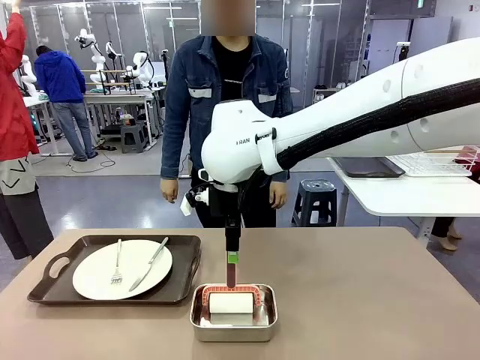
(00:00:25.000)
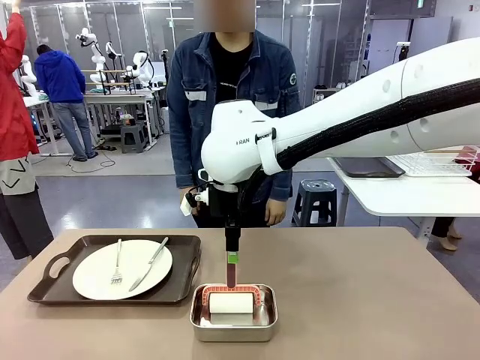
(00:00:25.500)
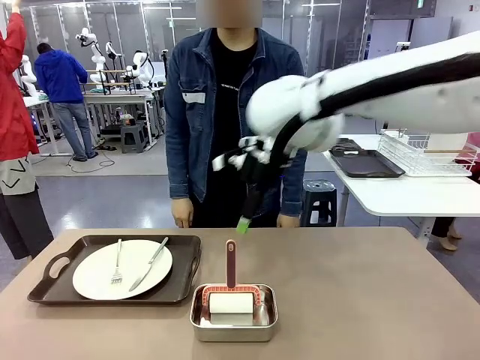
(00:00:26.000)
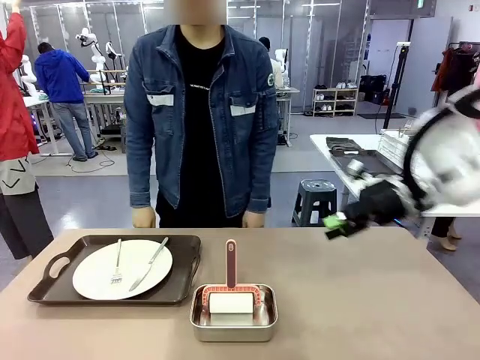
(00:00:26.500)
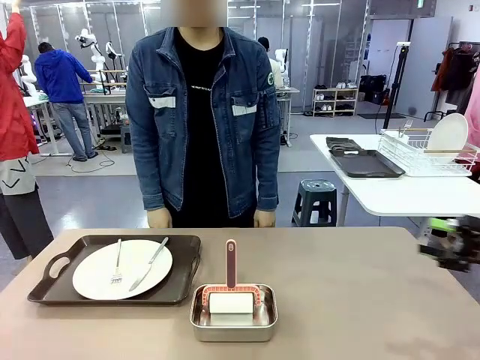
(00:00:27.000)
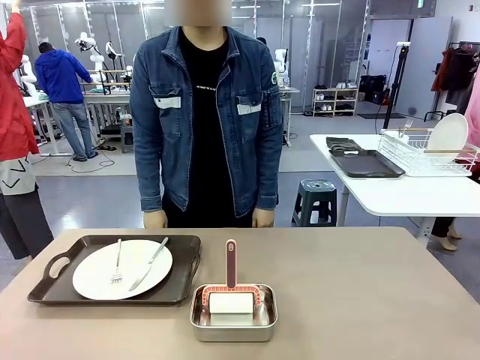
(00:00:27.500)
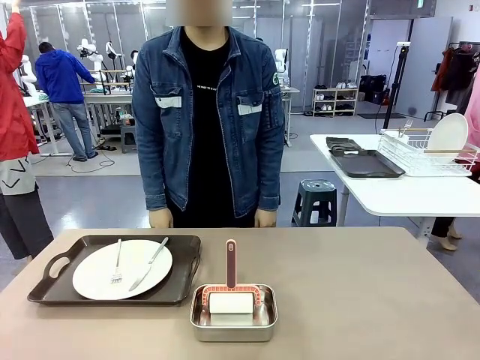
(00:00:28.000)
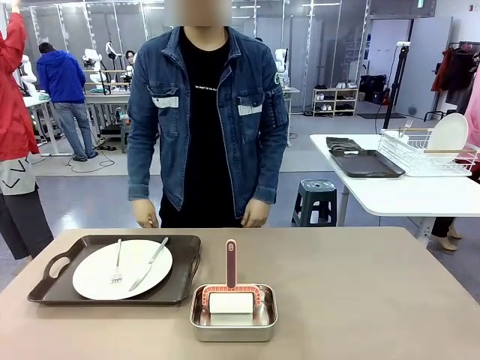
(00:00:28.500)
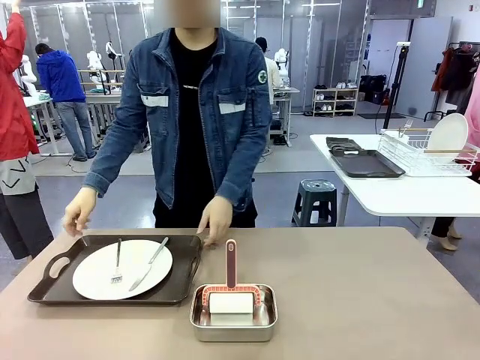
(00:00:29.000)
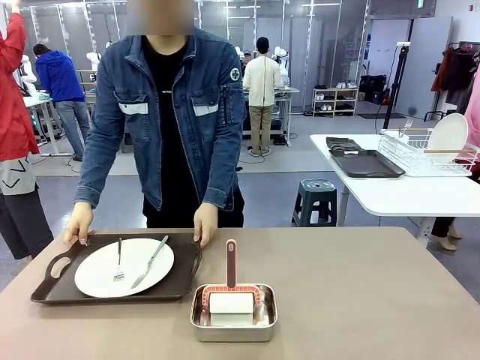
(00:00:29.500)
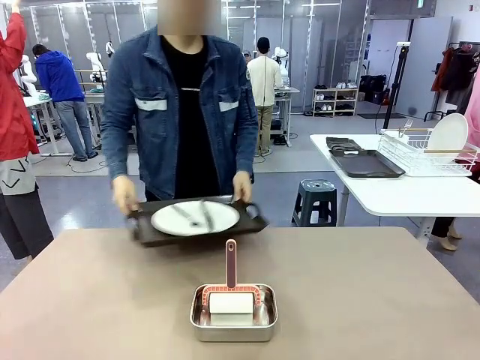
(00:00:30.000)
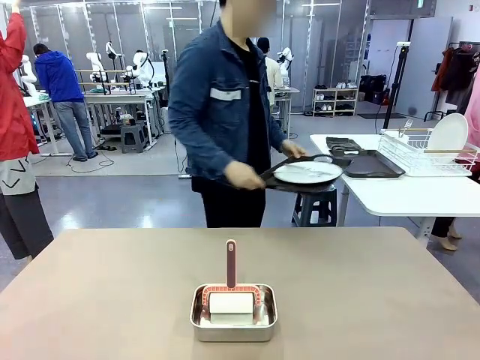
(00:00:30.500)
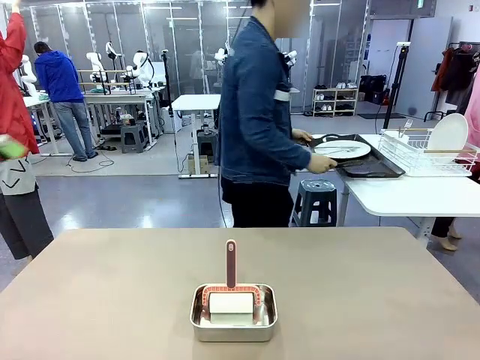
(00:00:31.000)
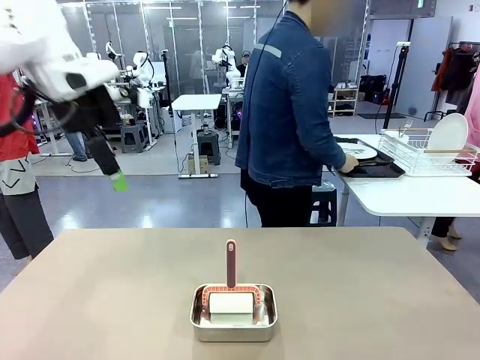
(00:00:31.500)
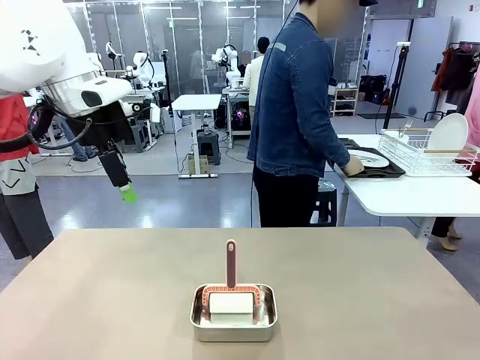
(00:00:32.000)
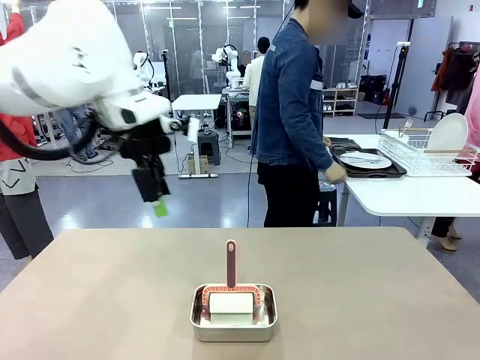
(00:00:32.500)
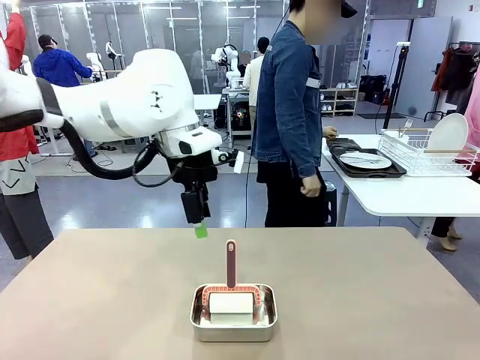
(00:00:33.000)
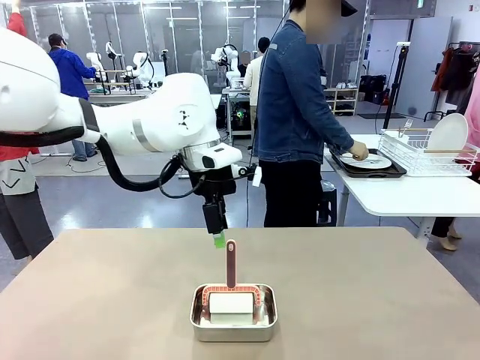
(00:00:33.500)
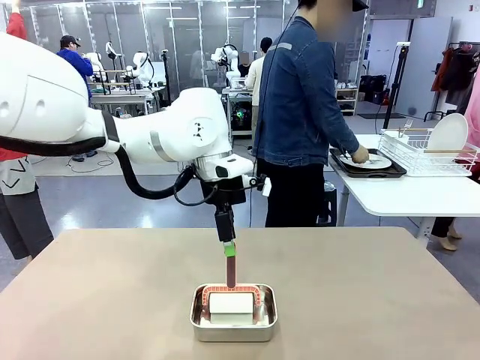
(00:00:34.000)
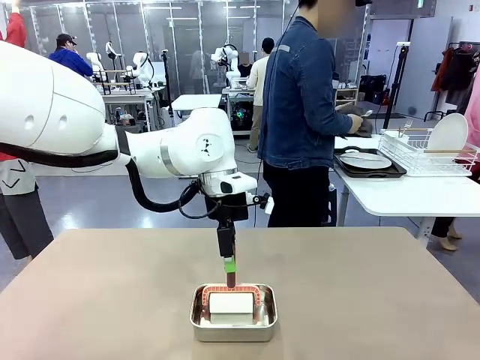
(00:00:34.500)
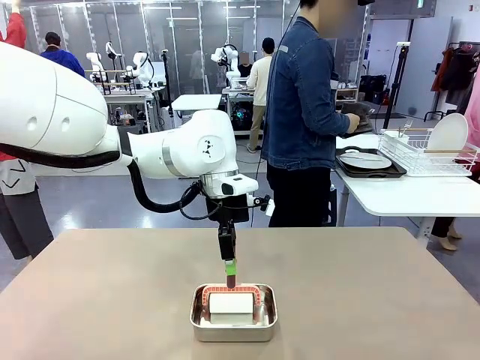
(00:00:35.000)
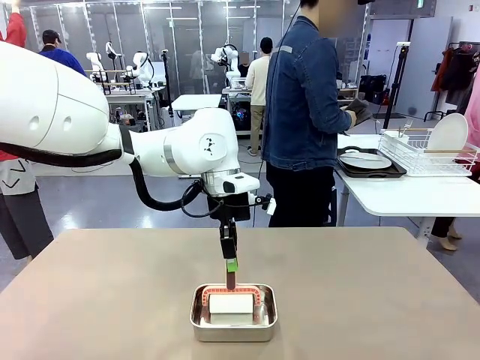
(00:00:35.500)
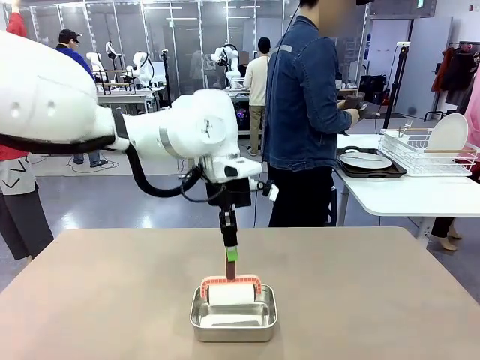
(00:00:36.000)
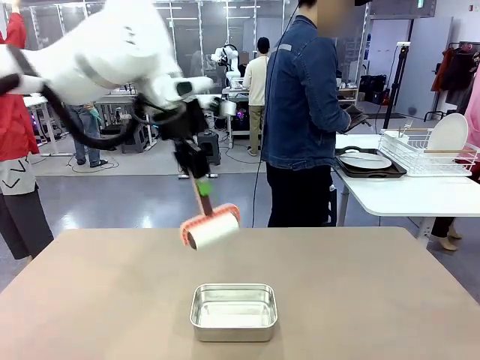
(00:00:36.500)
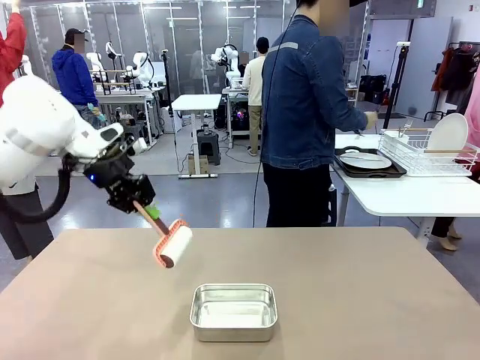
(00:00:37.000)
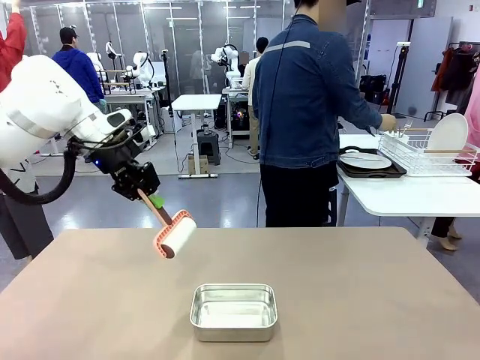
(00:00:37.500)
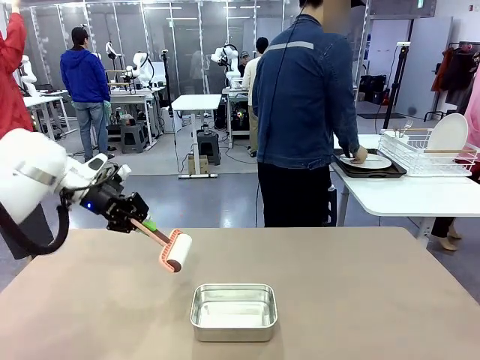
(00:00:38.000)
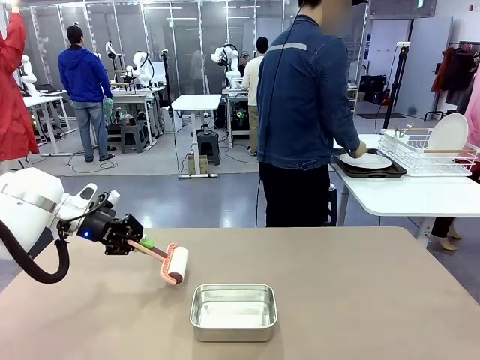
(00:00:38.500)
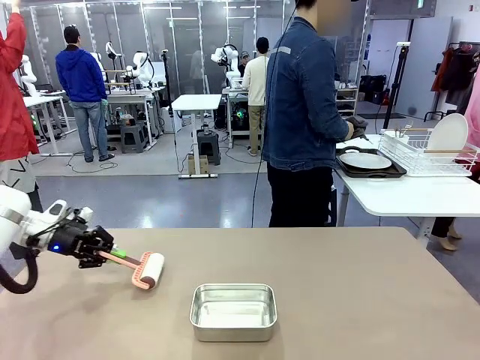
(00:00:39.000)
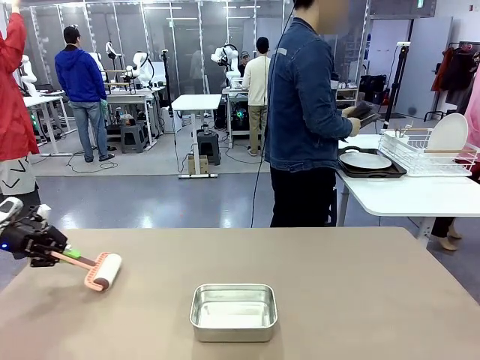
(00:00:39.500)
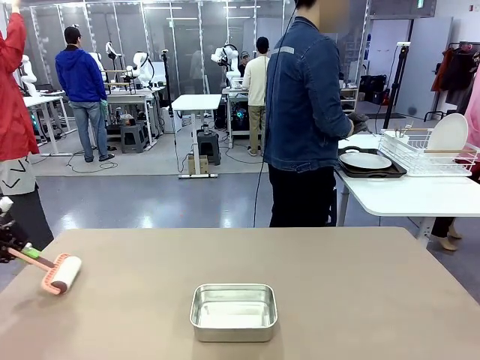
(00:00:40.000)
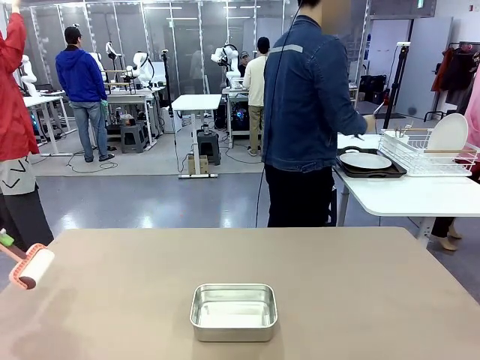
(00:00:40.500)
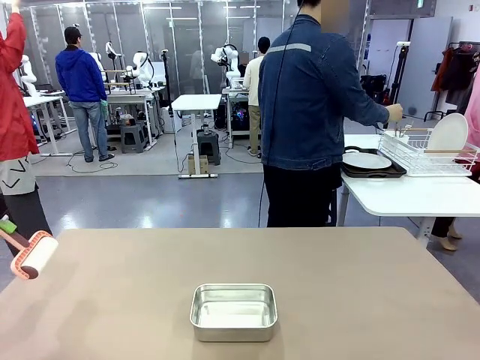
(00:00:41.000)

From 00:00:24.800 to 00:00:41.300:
Robot: When the right (or left) Handle tray is removed, use the right hand (or left hand) to clean the right (or left) side of the table with the Lint Roller.
Person: Pick up the left (or right) Handle tray and place it on the Handle tray.

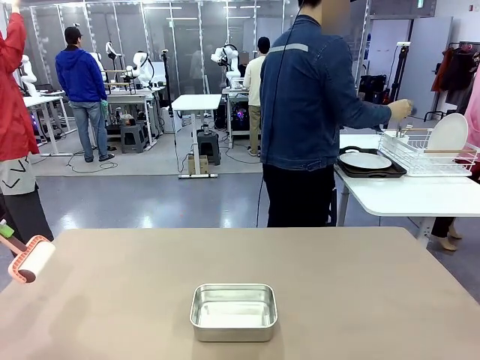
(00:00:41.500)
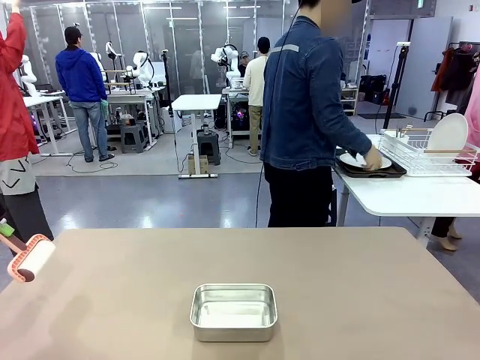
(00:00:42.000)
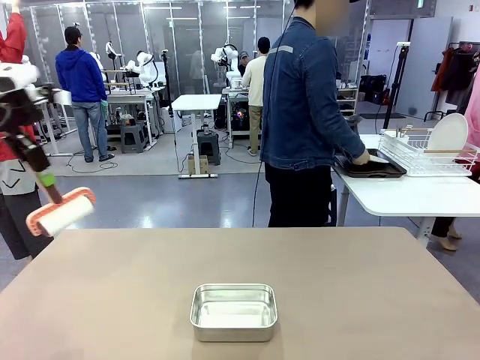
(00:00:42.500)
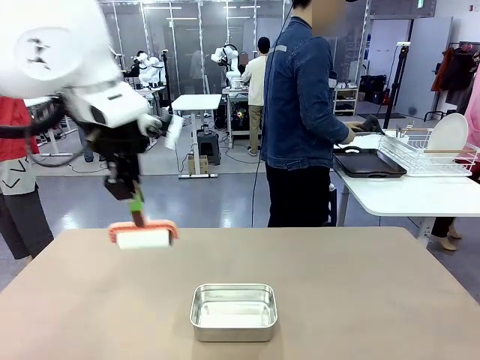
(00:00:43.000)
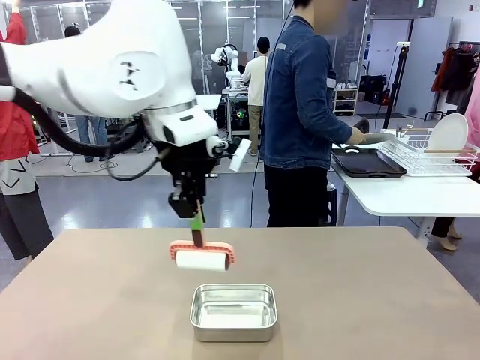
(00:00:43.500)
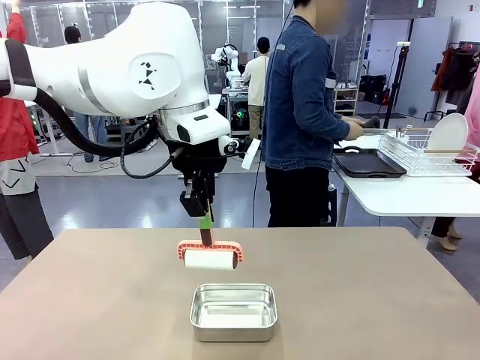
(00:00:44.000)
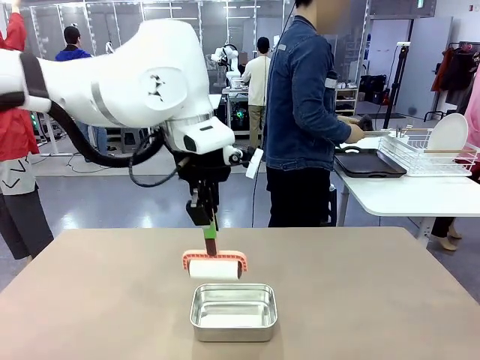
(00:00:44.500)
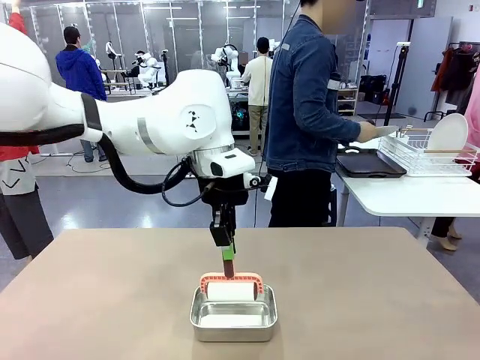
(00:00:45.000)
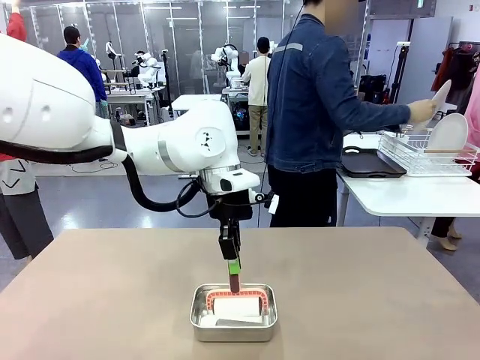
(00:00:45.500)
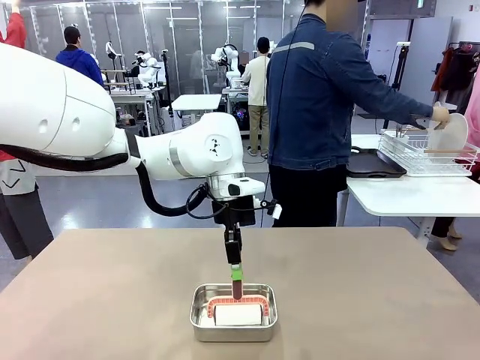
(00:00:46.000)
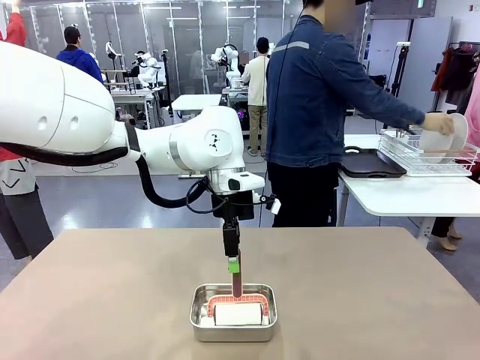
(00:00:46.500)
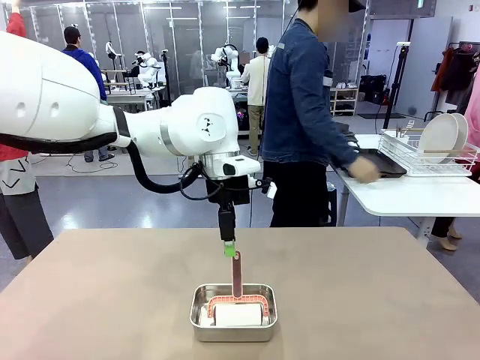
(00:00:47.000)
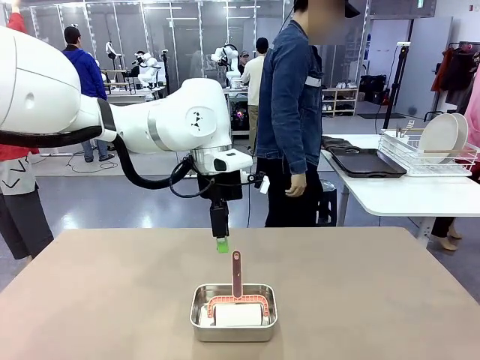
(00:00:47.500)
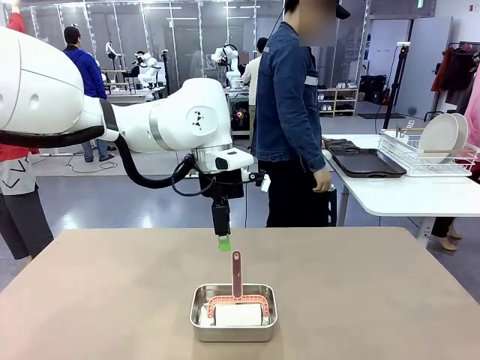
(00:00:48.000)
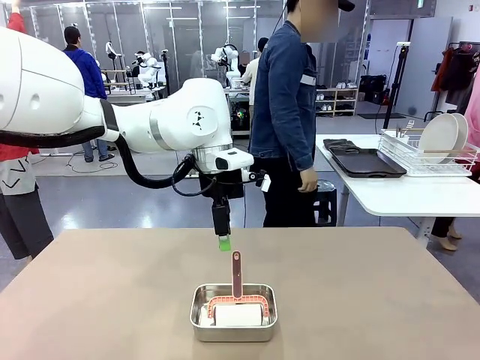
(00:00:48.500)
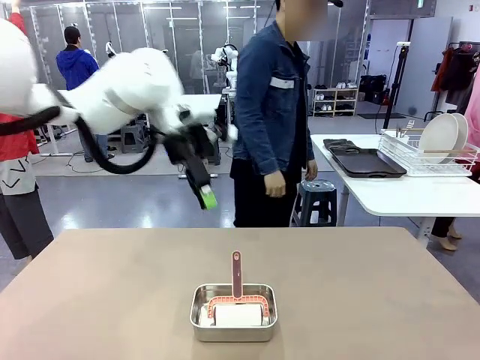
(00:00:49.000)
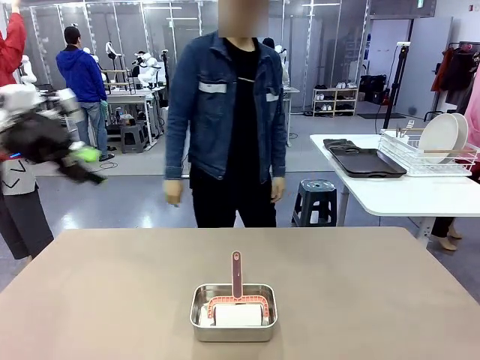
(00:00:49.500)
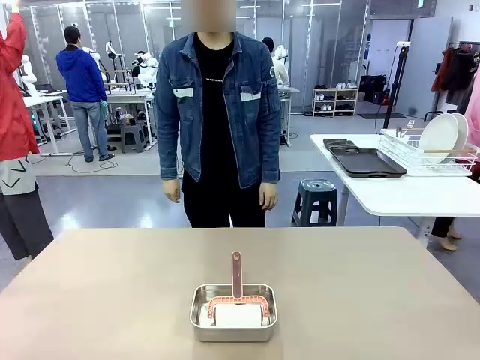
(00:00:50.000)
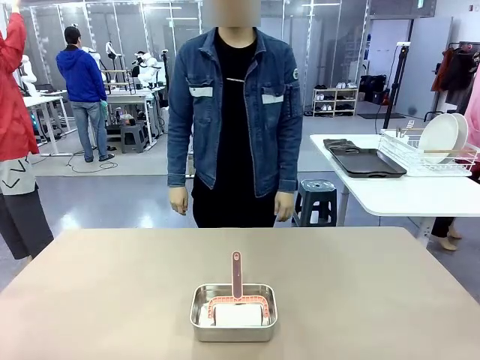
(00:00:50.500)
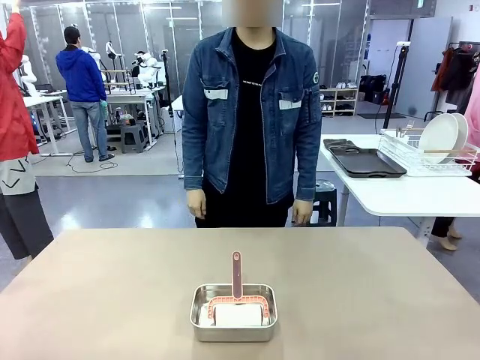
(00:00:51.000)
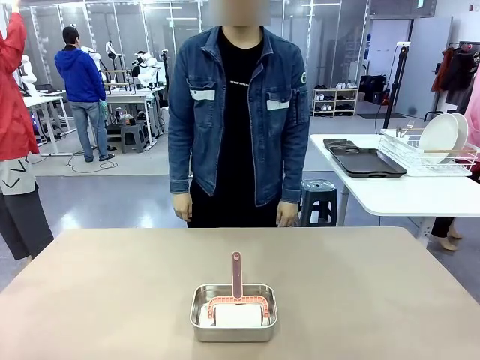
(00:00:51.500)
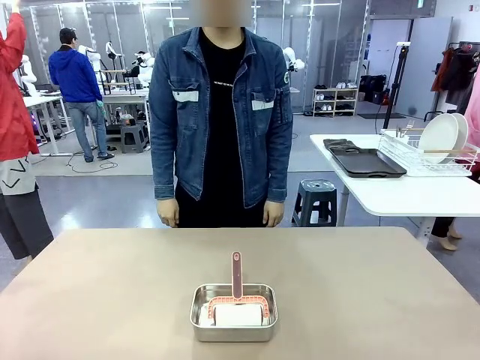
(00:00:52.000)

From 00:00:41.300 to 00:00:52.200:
Robot: Place the Lint Roller back on top of the Airtight Container.
Person: Use the Towel with hook to wipe the Plastic Matte Plate , Fork , and Knife and place into the Dish drying rack.
